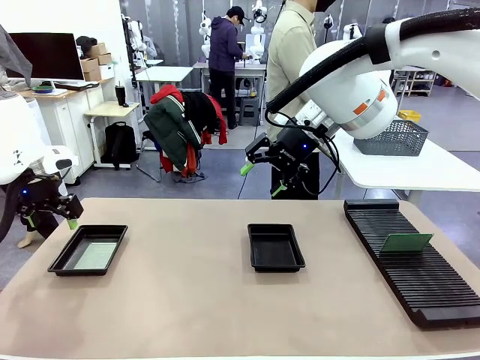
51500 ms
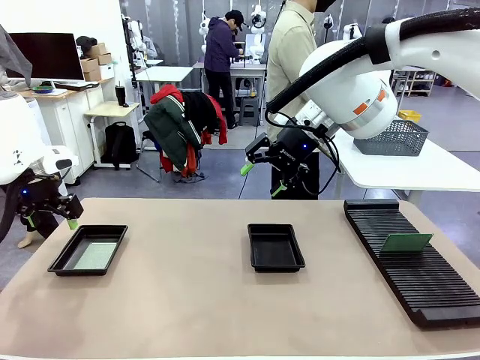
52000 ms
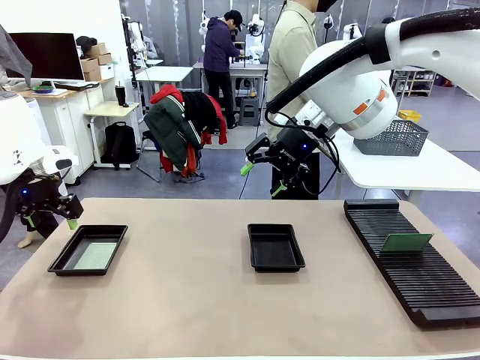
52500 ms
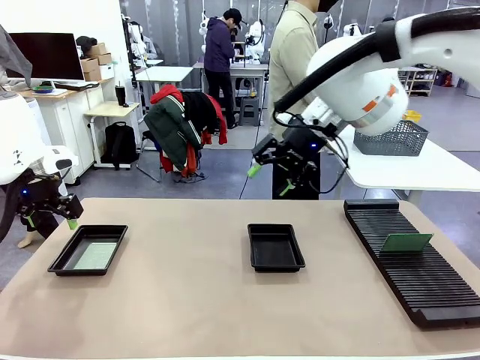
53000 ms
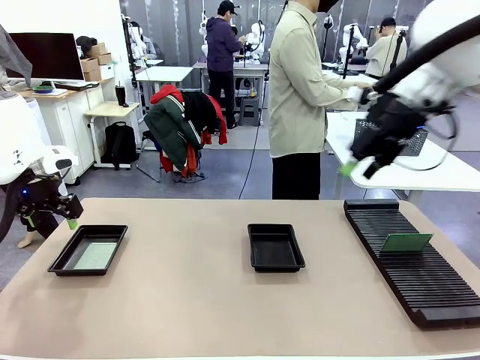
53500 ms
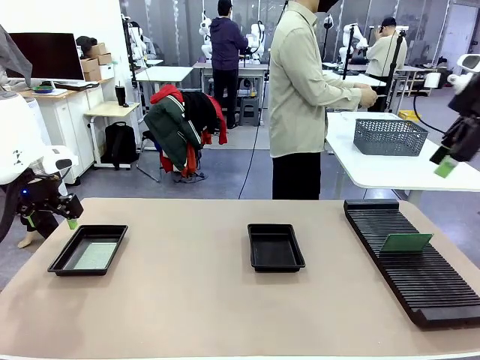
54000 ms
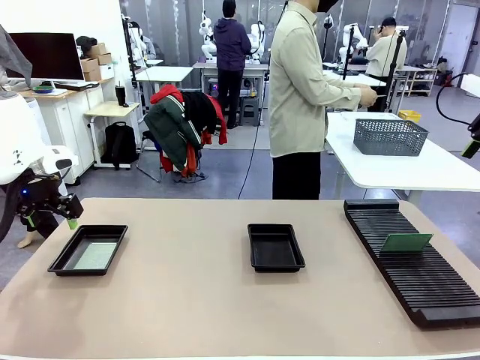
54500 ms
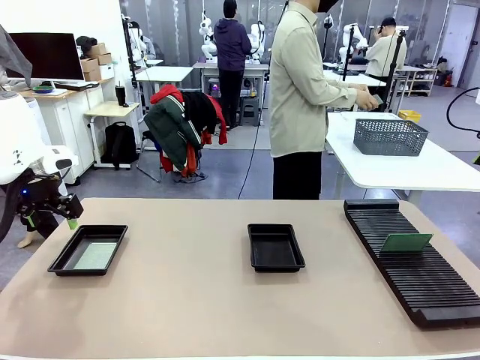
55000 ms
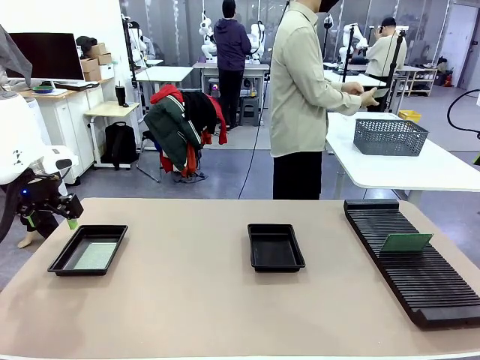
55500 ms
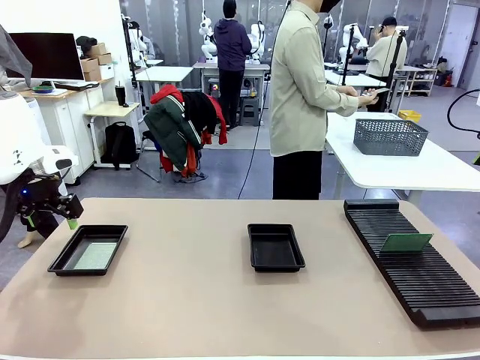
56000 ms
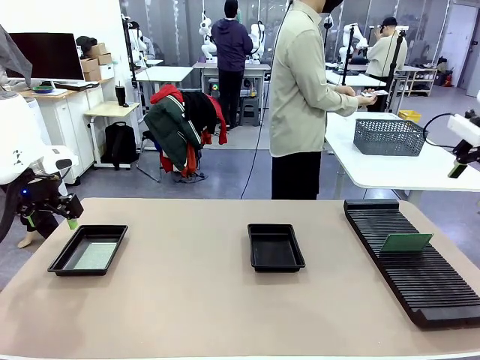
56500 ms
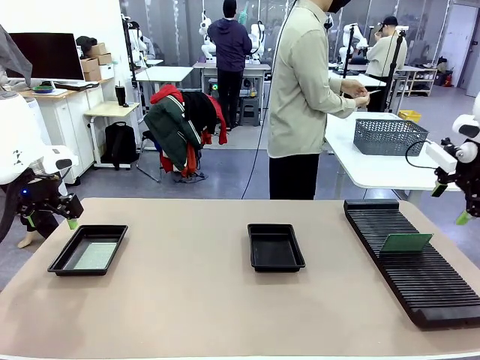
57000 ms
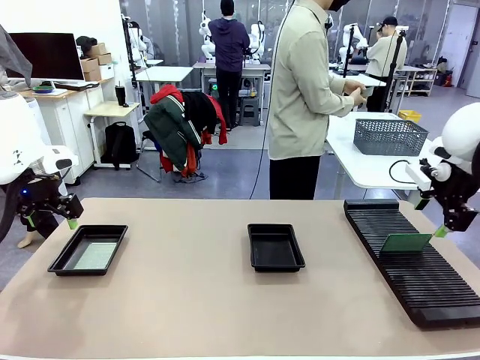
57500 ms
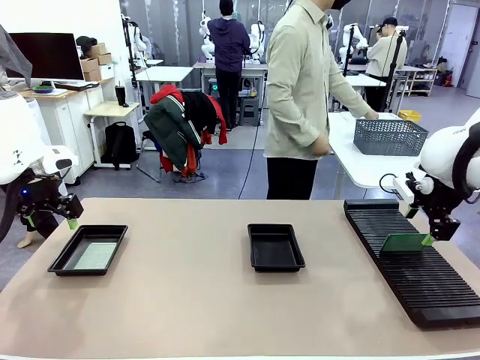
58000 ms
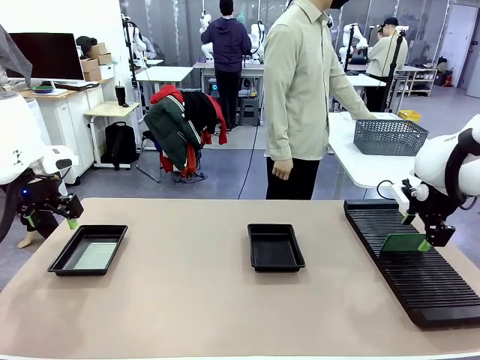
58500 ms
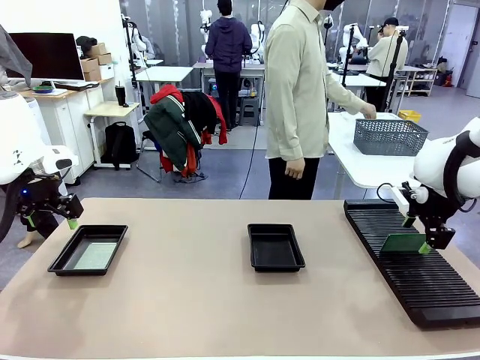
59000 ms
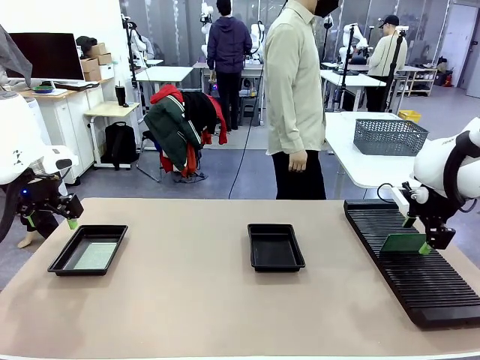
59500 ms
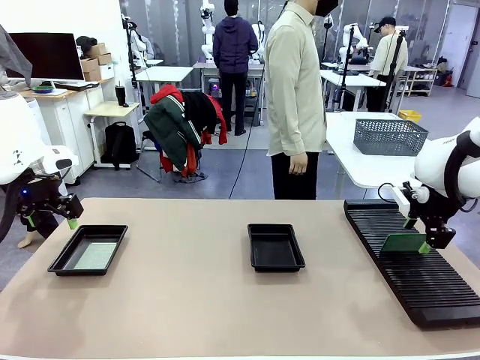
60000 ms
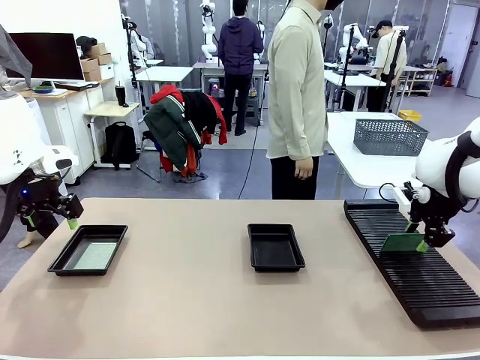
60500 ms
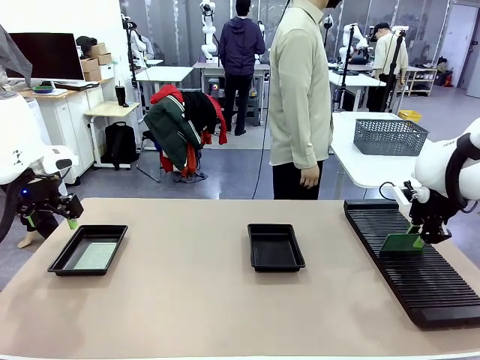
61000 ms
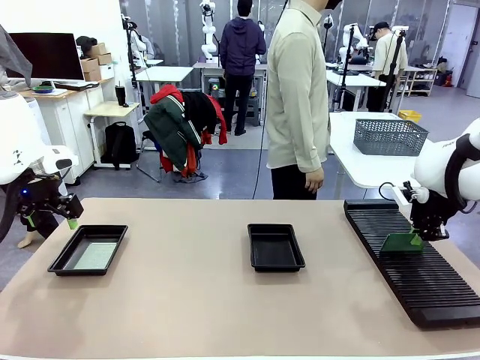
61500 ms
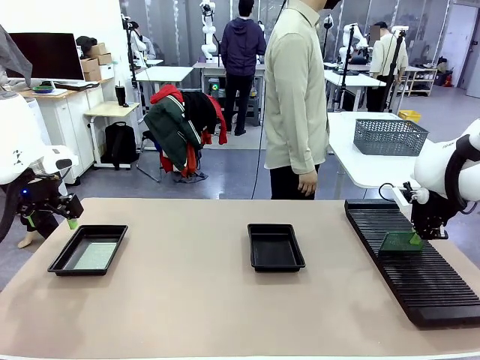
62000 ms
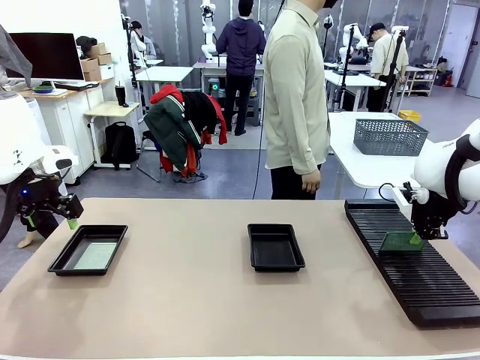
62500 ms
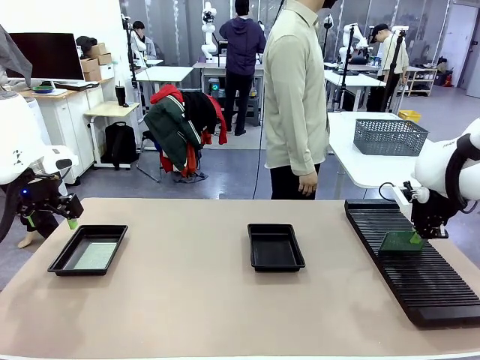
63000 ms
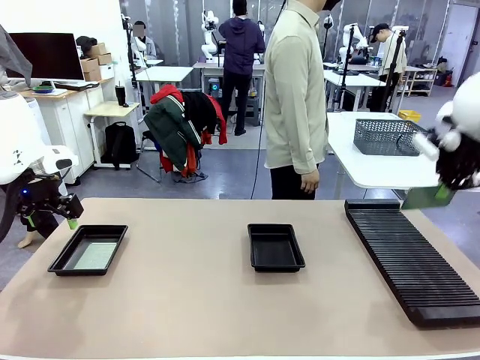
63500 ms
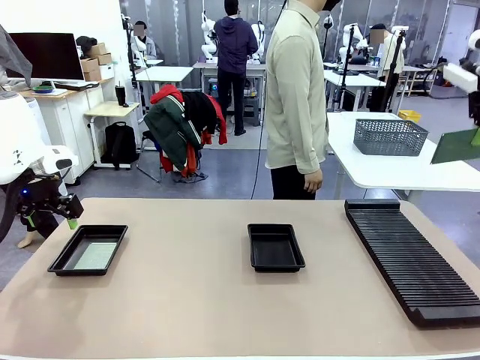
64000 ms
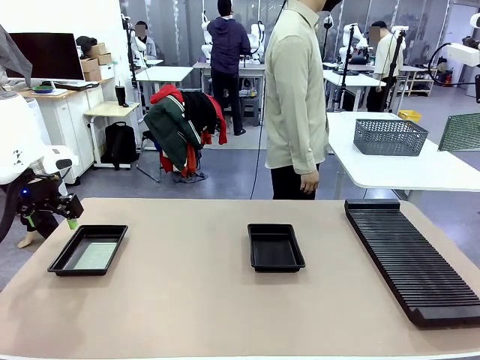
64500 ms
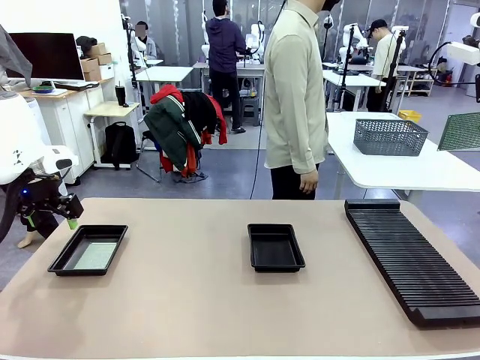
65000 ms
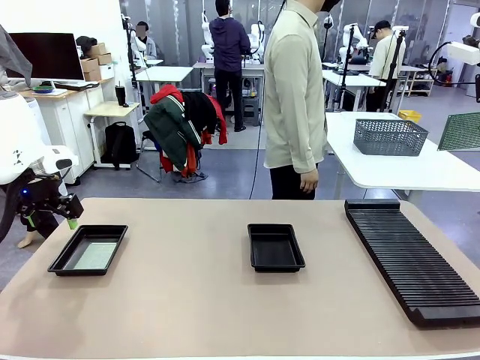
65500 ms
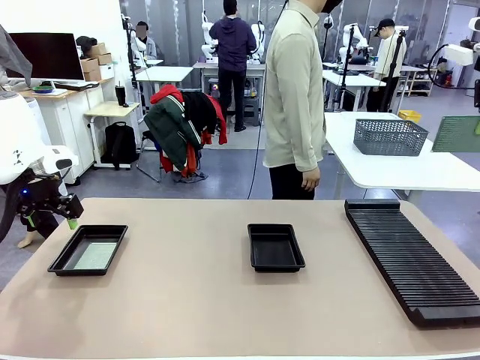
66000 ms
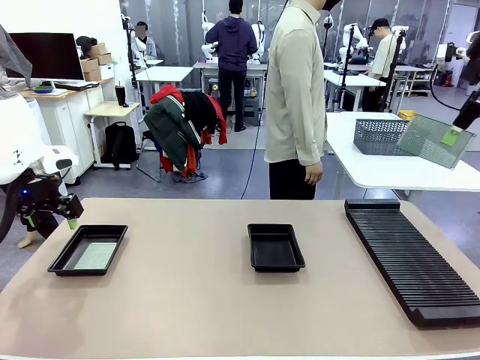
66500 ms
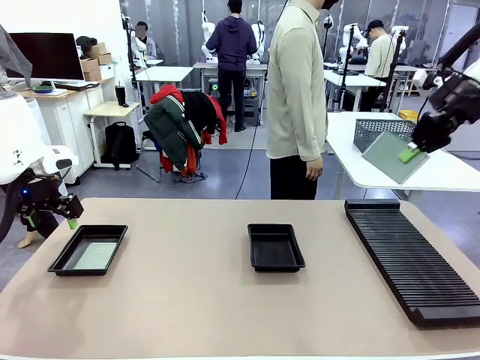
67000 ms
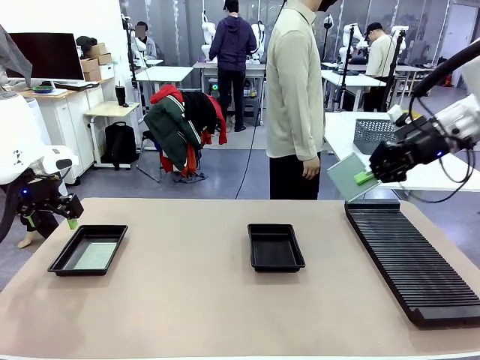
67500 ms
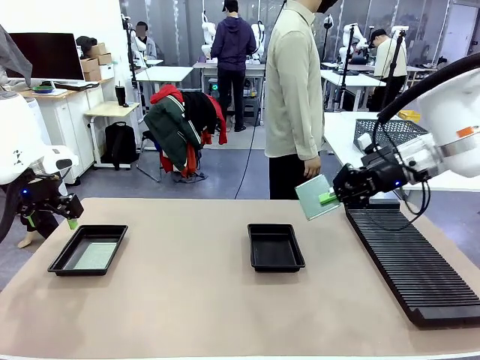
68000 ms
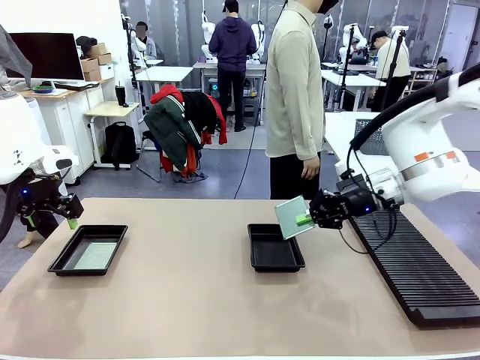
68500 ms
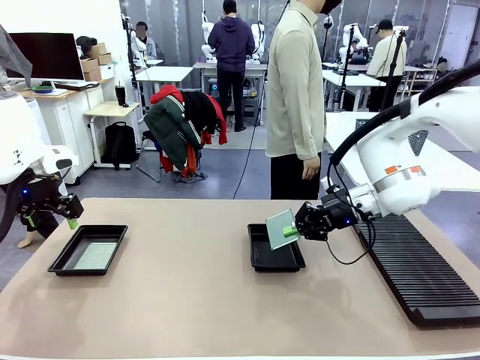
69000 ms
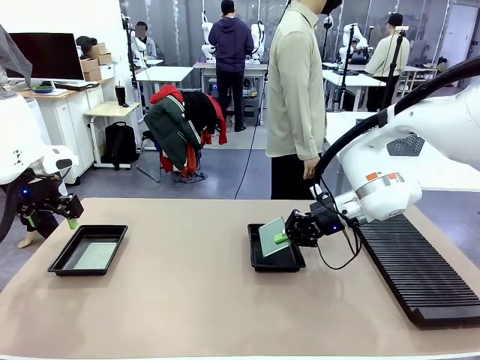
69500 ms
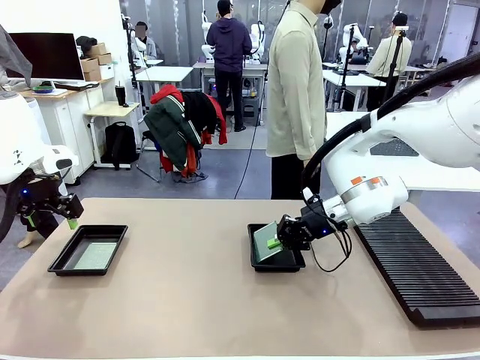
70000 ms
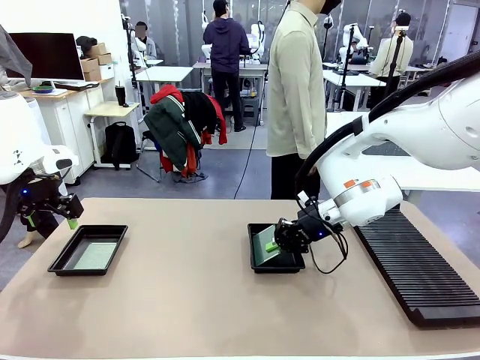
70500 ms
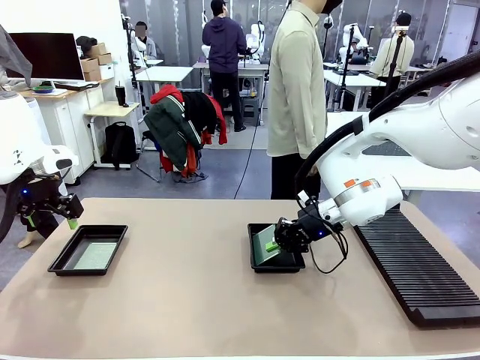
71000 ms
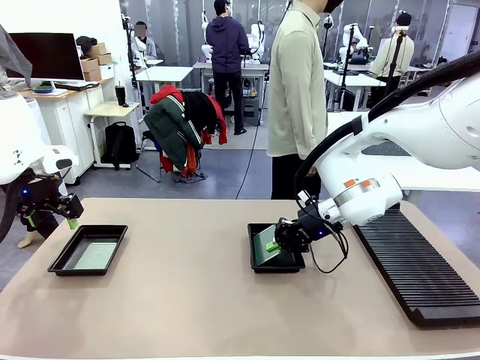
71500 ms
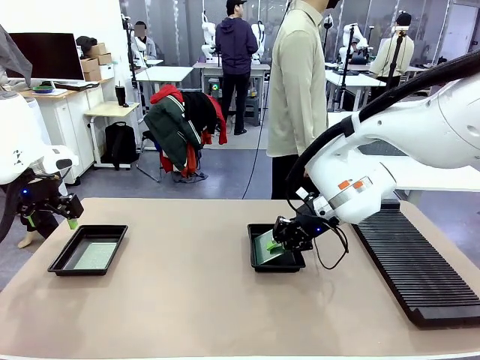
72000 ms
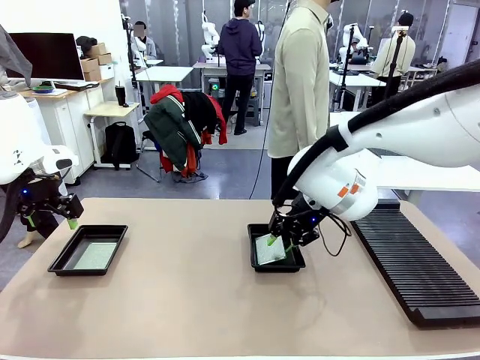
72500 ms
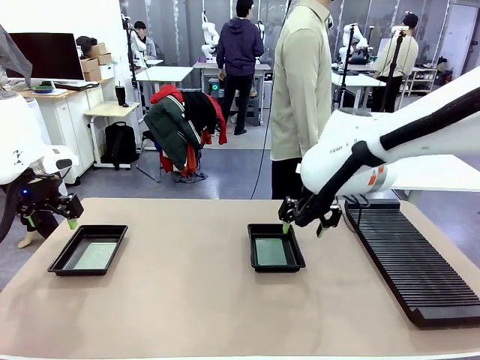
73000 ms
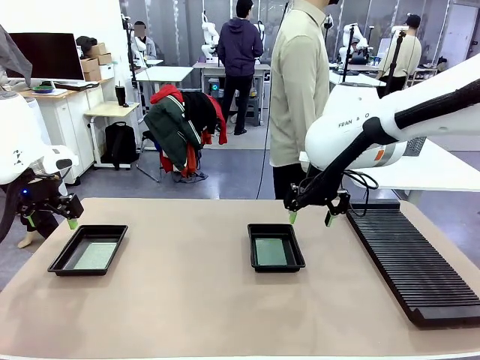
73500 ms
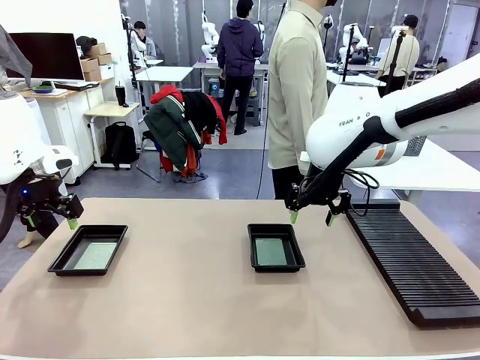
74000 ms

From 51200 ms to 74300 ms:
Task: Inspect and transfer BCBs to ESD trays.
Robot: Pick up the Blank PCB from the PCB Rack and place it in the right ESD tray.
